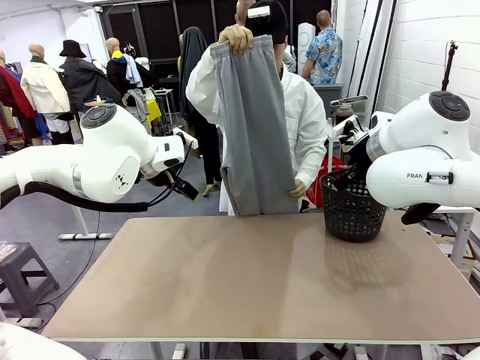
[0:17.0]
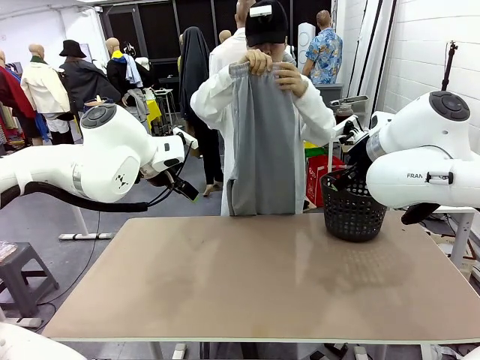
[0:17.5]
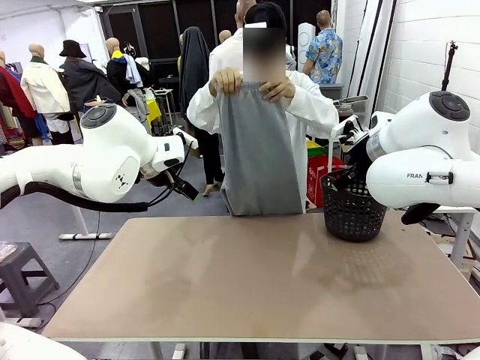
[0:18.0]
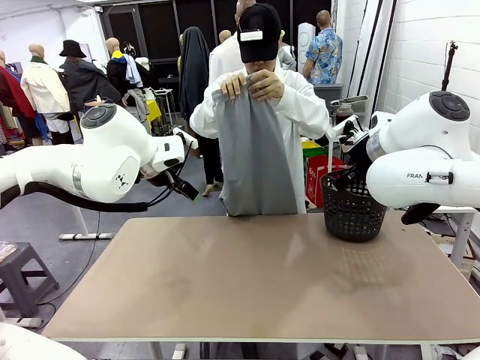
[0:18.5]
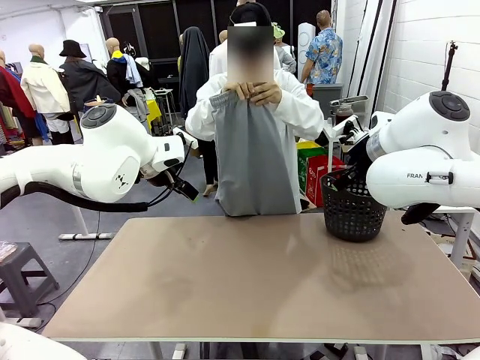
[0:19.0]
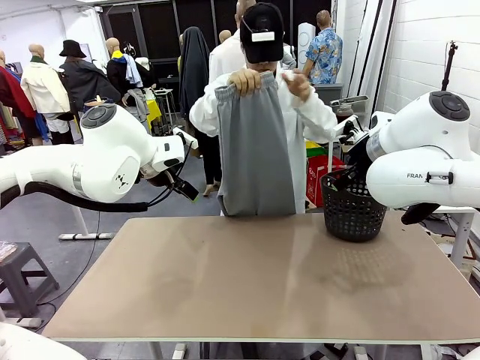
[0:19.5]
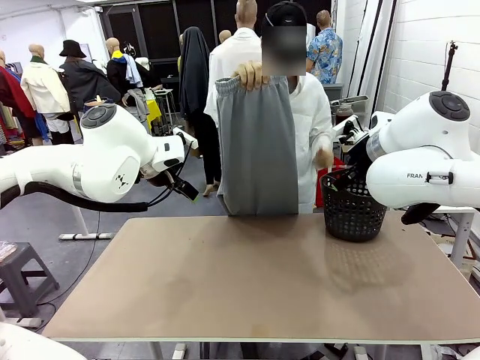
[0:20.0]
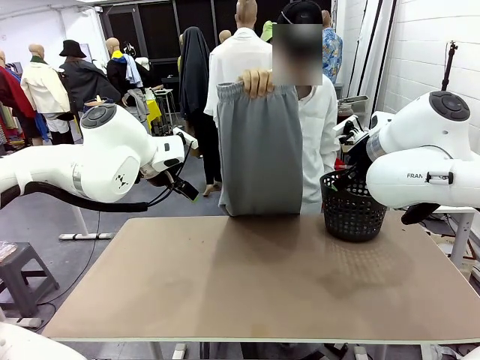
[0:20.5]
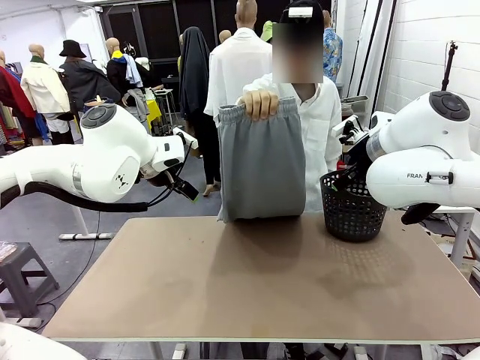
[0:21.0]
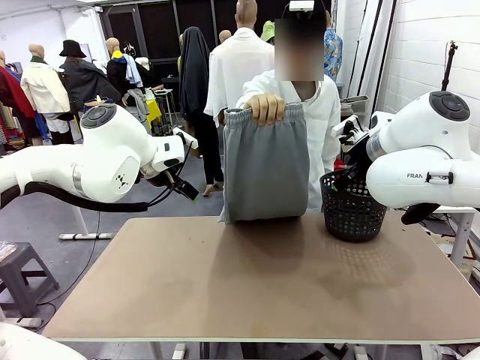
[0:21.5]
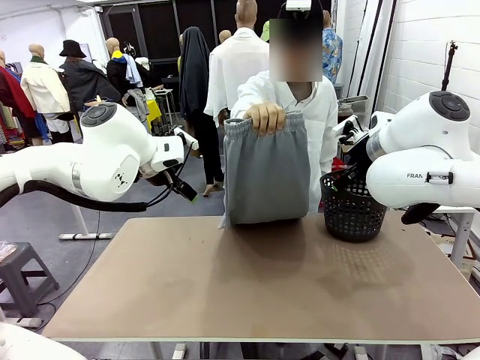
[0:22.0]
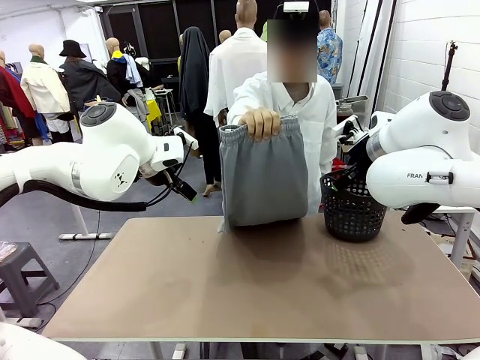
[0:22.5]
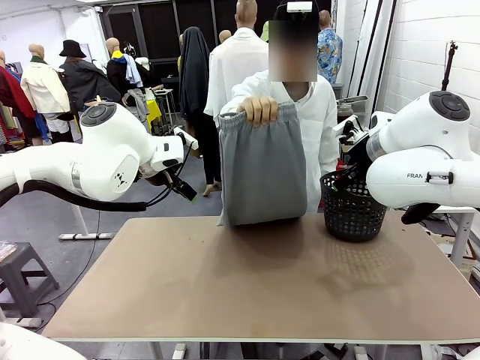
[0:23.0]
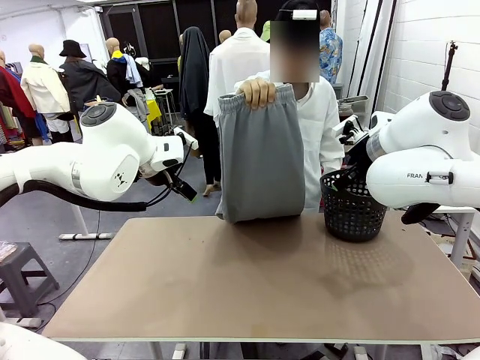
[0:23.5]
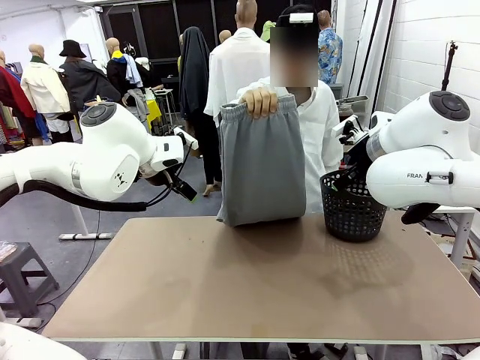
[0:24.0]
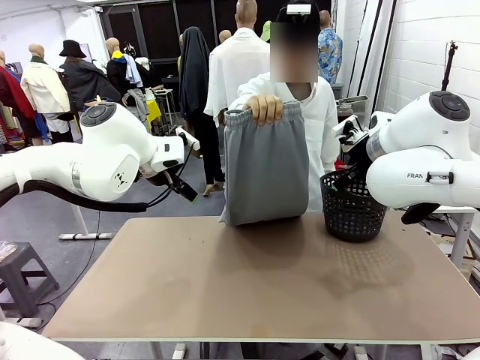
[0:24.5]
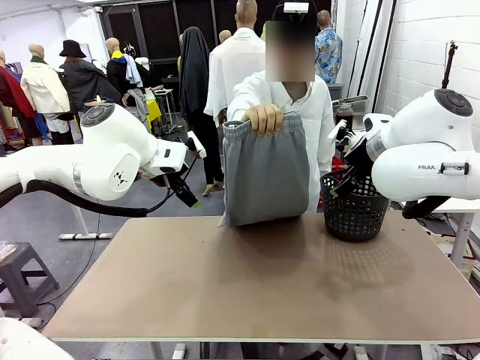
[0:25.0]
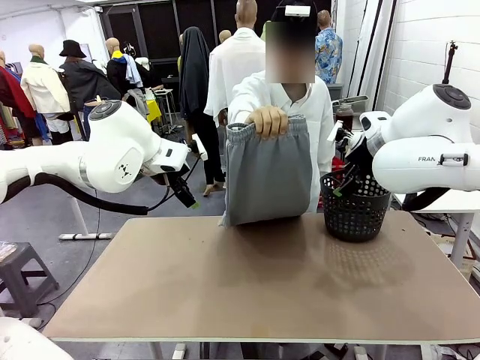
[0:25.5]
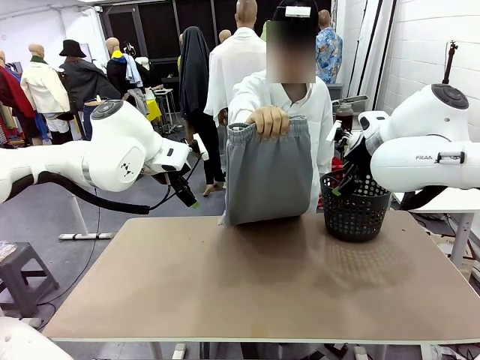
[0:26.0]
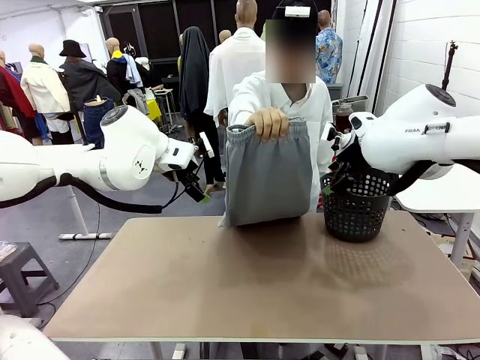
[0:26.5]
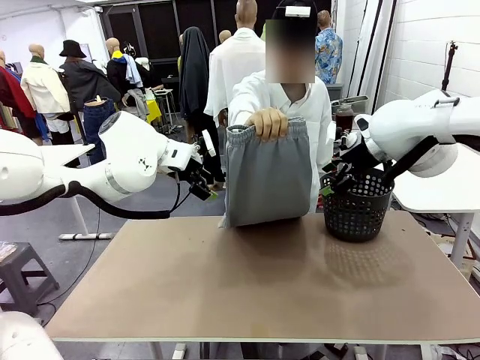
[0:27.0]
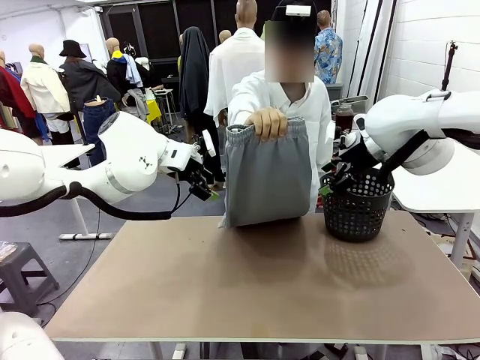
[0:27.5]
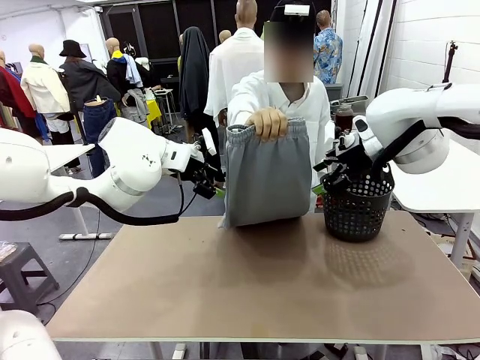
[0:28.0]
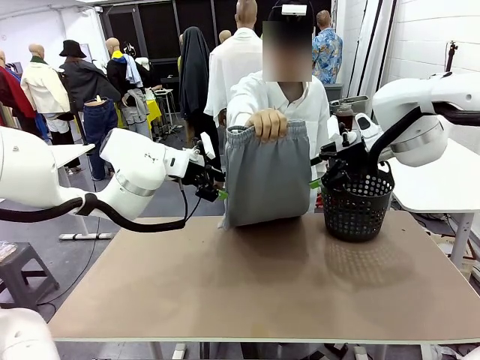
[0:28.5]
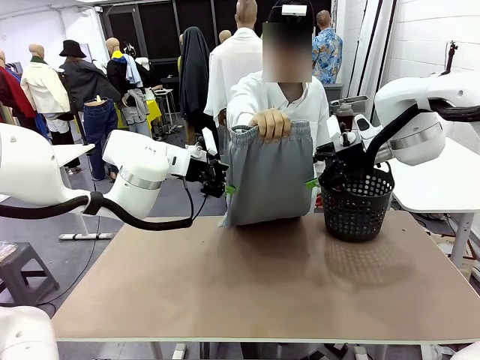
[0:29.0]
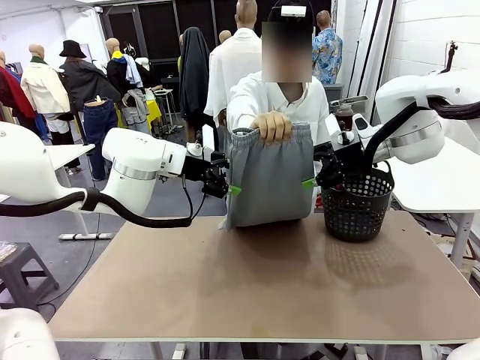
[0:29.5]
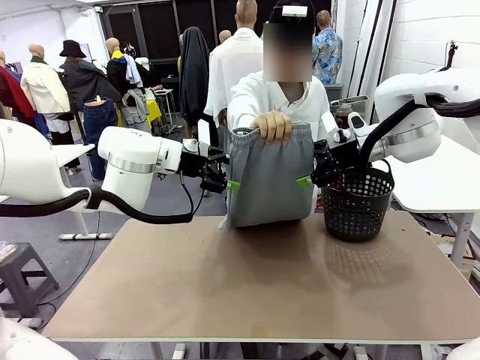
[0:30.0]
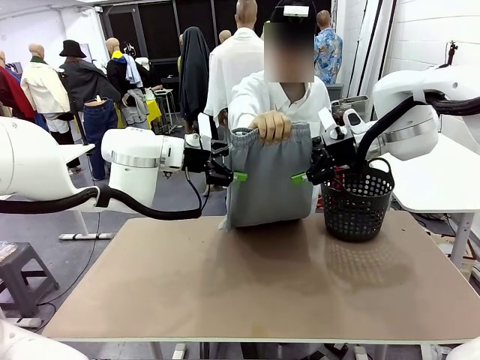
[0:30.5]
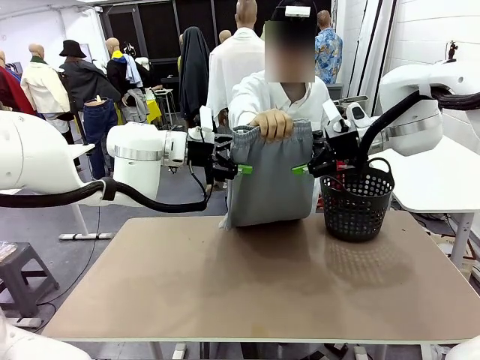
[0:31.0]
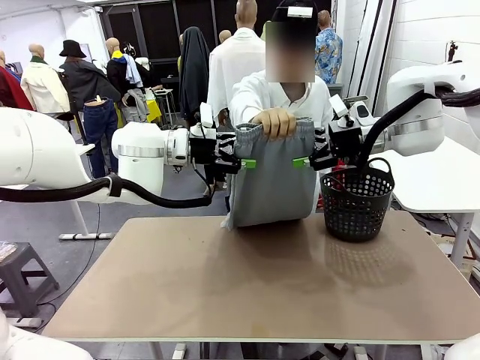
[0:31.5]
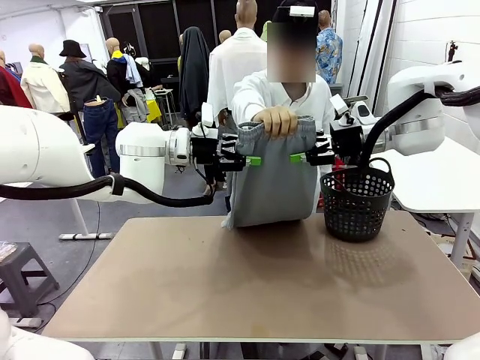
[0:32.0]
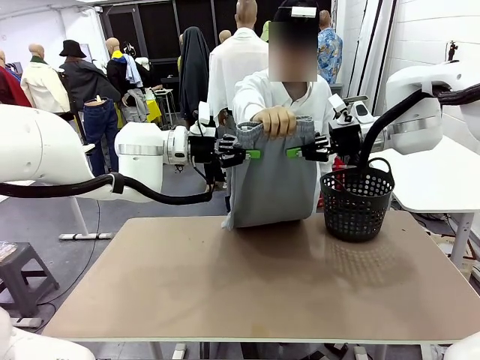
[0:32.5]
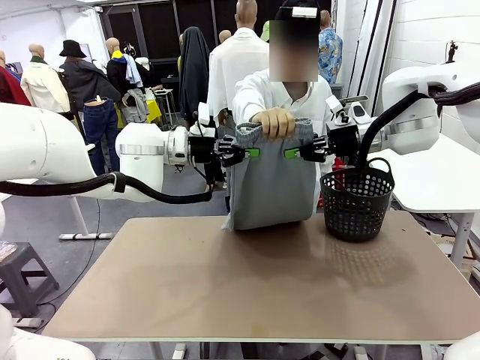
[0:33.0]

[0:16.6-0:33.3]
Task: Fold the training pants.
Robot: Grab both ends of the Training pants handed by a person.
